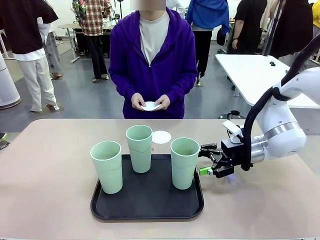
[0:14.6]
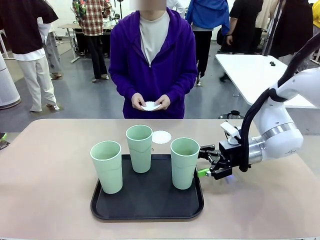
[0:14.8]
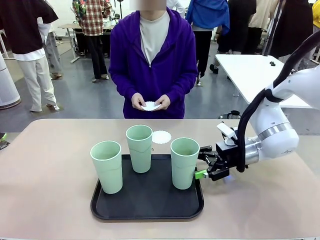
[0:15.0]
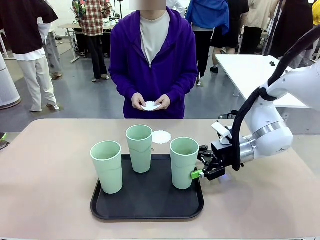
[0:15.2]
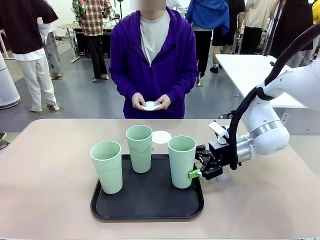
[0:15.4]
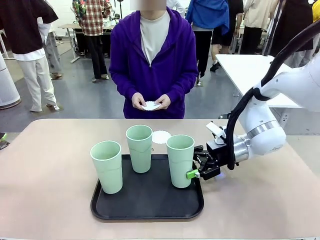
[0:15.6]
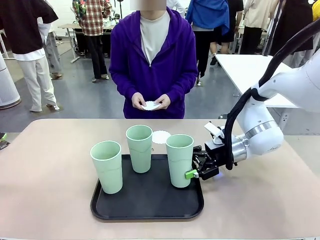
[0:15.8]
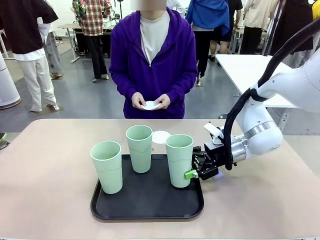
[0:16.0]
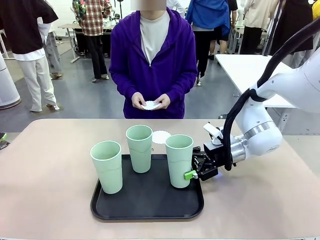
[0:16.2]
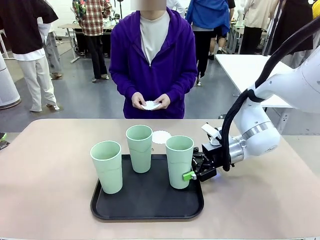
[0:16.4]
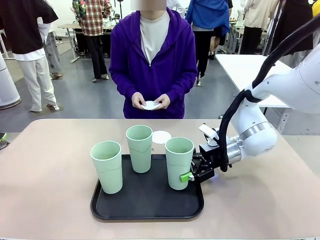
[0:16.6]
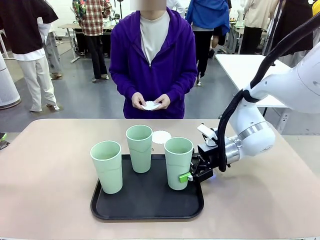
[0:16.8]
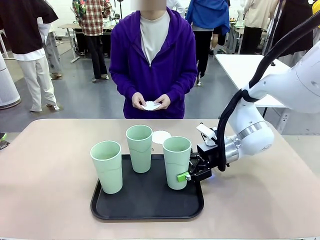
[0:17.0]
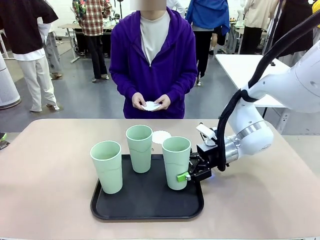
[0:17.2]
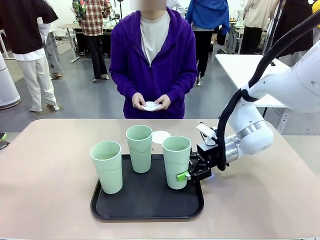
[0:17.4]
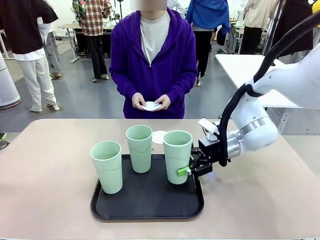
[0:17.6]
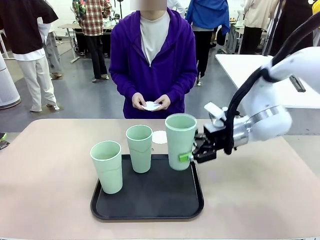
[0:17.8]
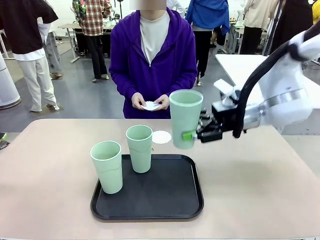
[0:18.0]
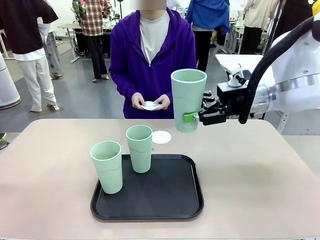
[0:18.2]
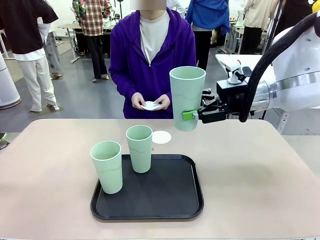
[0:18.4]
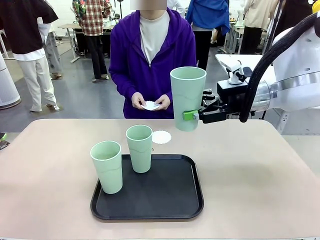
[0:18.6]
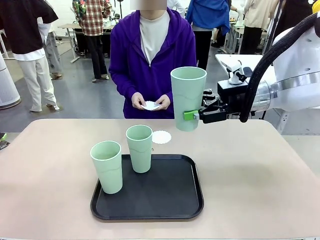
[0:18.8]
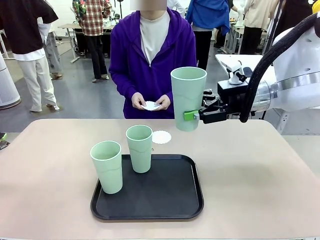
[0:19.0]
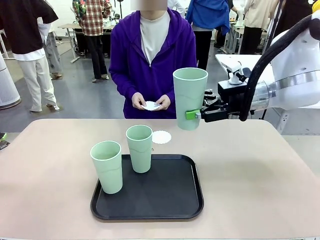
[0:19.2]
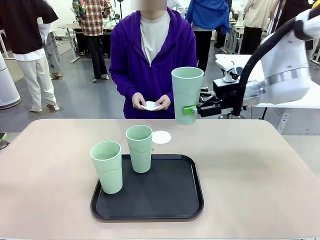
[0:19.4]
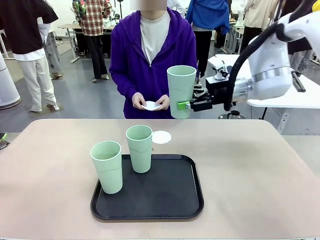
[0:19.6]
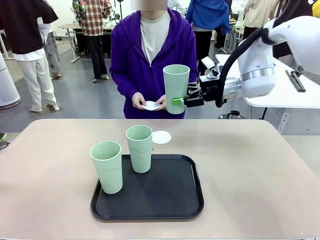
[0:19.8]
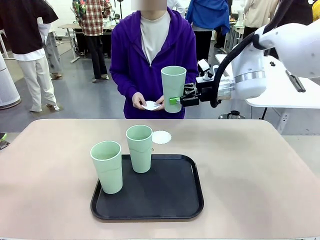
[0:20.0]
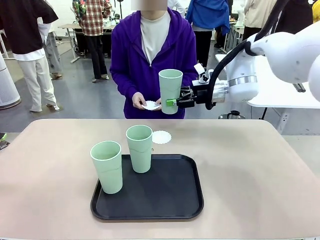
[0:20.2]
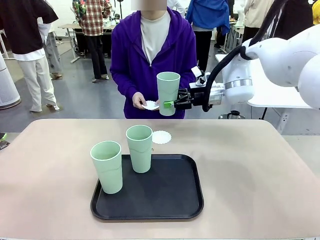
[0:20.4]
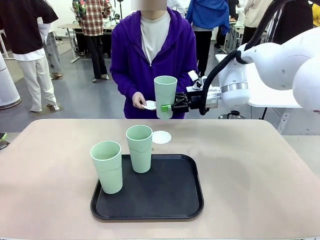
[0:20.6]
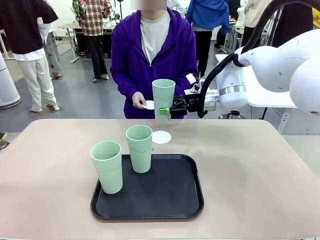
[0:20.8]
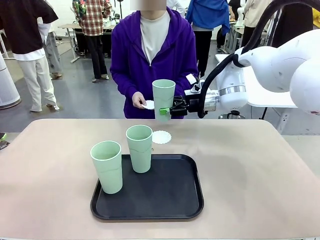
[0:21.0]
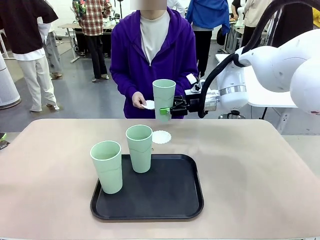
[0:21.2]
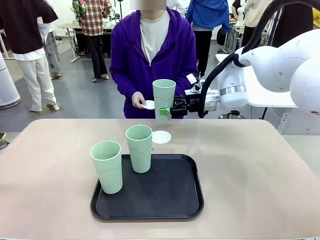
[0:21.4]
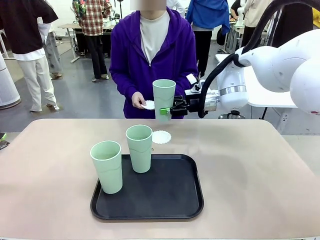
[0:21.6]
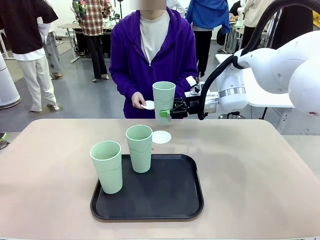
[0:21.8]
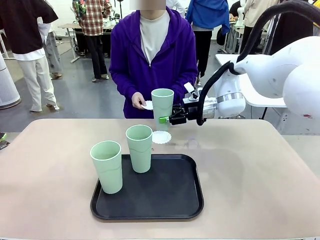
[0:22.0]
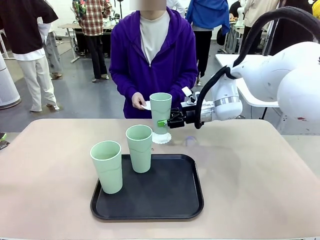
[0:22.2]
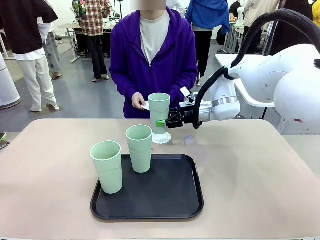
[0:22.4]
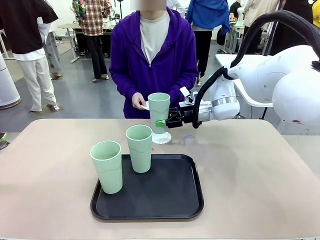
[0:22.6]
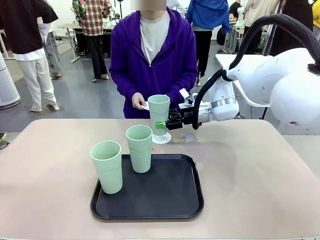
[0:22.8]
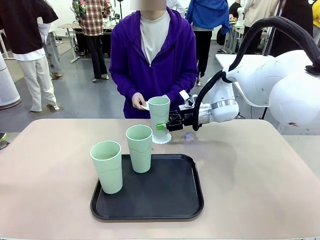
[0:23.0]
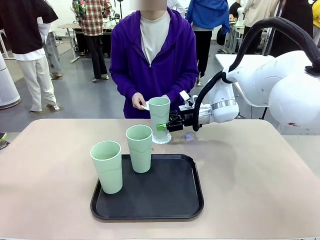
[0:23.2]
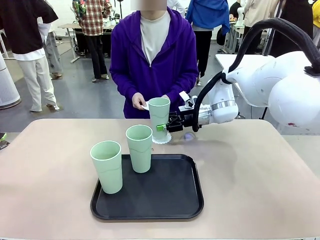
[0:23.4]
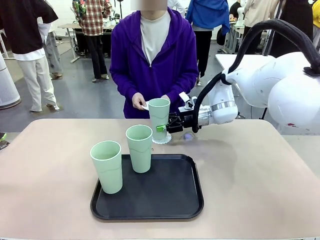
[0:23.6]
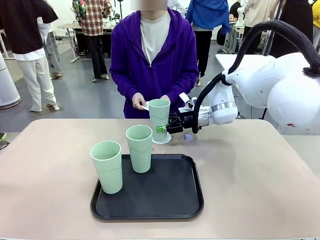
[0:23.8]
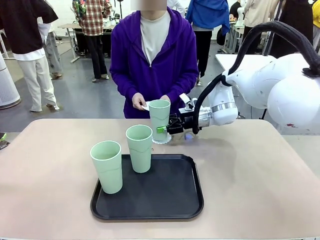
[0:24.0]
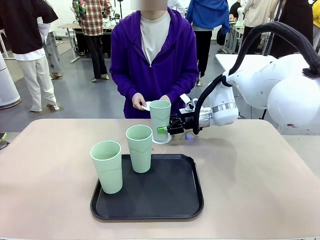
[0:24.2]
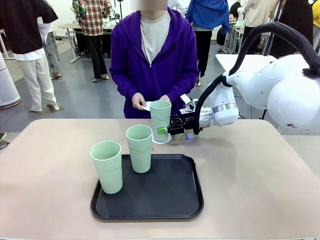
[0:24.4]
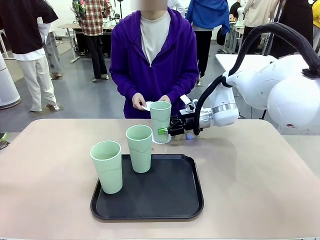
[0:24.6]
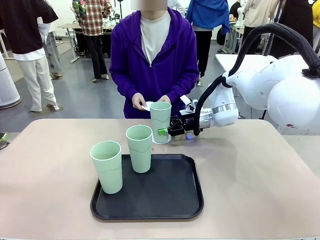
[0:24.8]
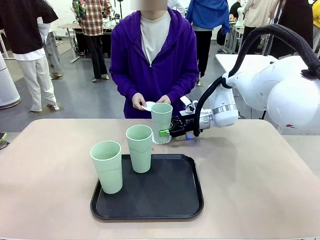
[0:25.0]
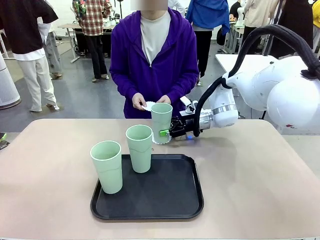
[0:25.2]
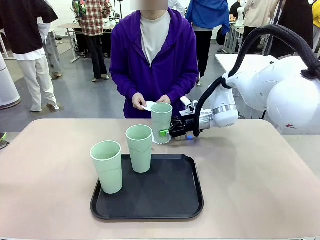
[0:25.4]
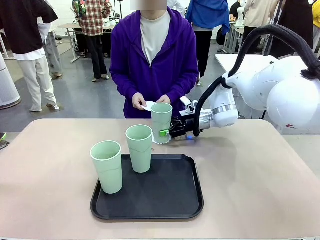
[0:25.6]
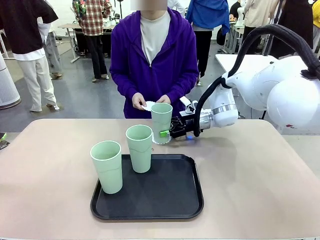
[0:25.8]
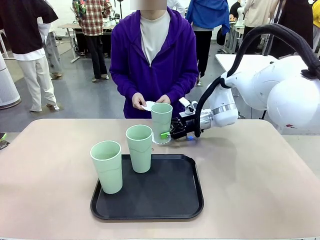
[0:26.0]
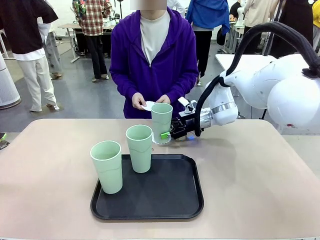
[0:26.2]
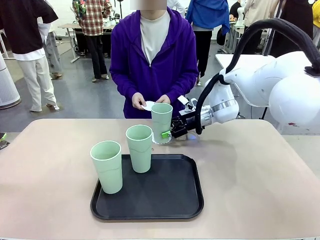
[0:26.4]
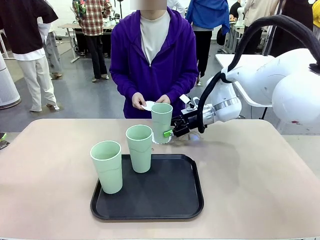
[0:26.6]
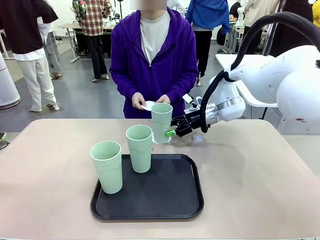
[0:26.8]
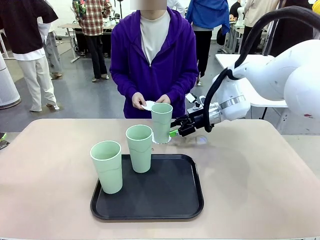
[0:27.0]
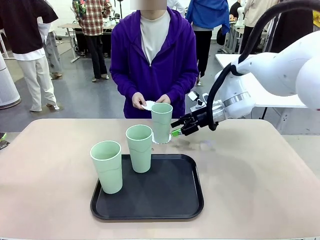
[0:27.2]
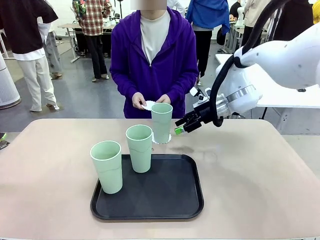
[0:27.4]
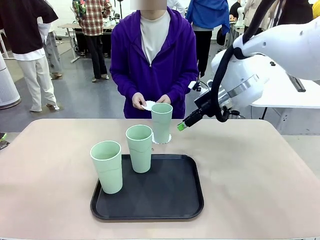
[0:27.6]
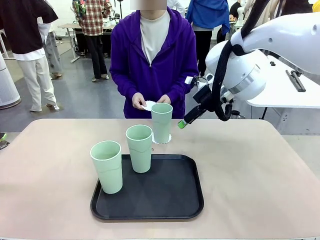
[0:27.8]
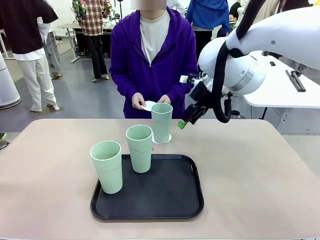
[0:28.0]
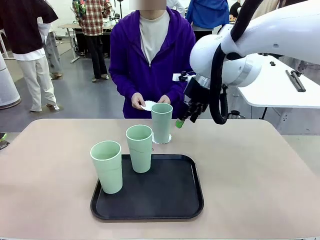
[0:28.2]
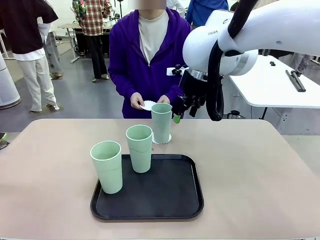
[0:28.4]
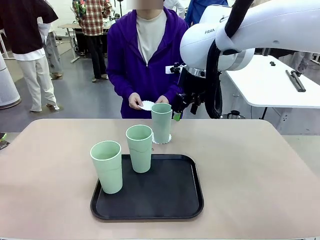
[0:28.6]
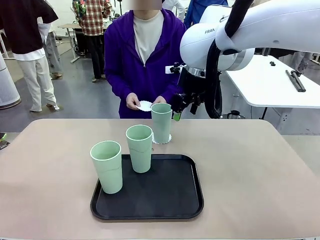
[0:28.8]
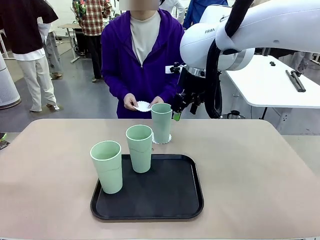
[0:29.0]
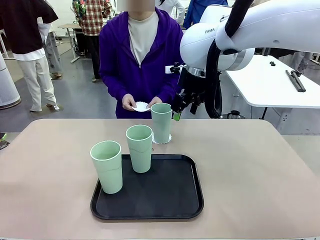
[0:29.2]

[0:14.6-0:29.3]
Task: Place coasters on the table and set cups on them.
Robot: Pick up one Reusable plastic cup and place it on a coaster set by the human.
Person: Place one coaster in one of the two areas excluding the previously selected area.
